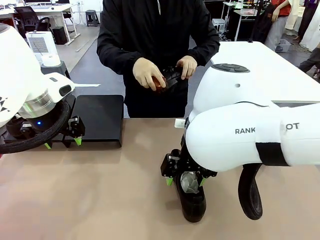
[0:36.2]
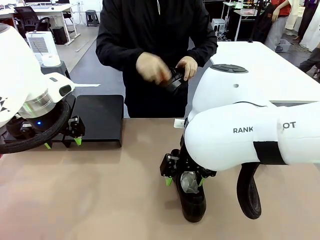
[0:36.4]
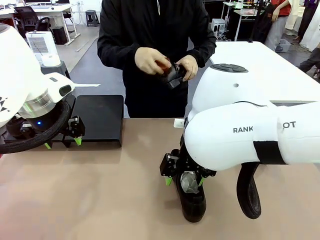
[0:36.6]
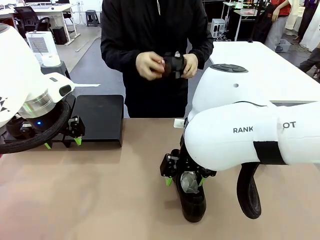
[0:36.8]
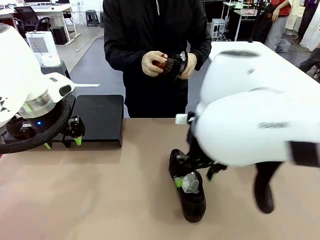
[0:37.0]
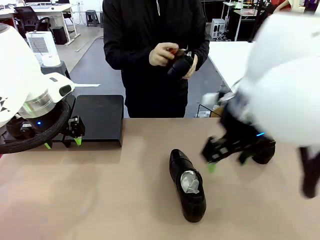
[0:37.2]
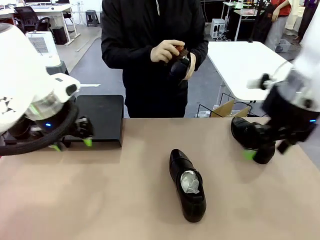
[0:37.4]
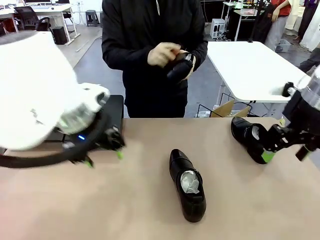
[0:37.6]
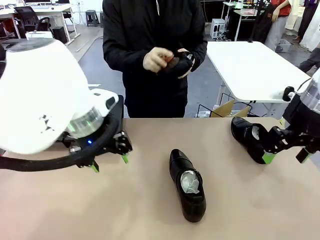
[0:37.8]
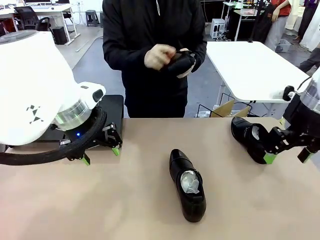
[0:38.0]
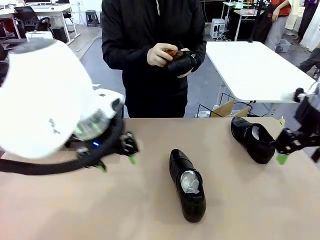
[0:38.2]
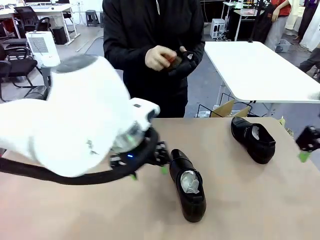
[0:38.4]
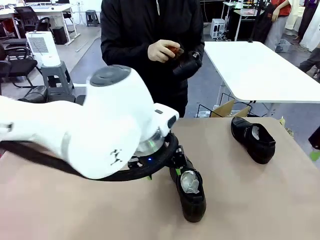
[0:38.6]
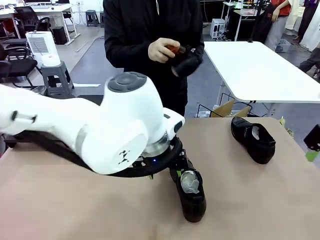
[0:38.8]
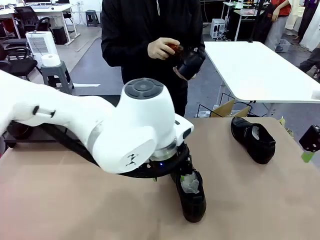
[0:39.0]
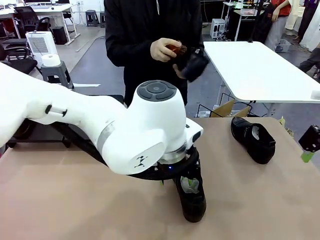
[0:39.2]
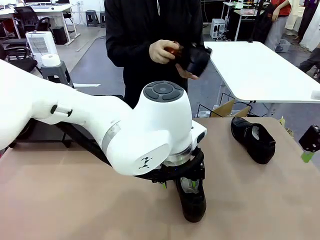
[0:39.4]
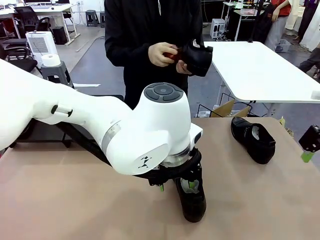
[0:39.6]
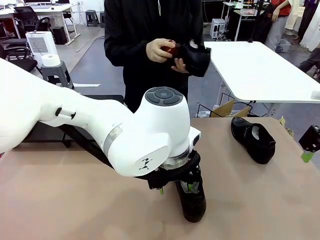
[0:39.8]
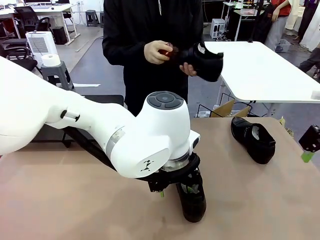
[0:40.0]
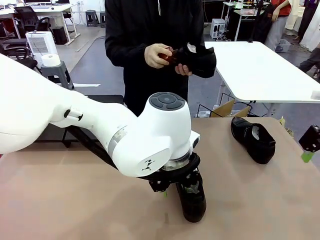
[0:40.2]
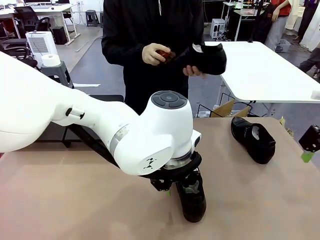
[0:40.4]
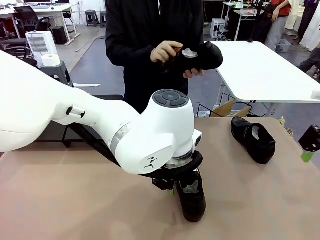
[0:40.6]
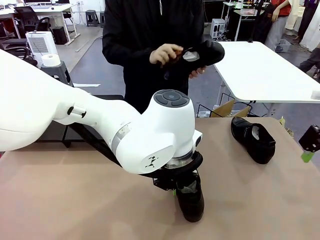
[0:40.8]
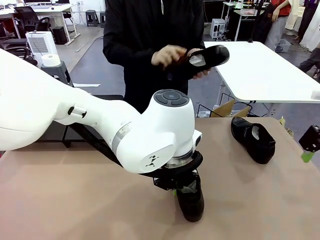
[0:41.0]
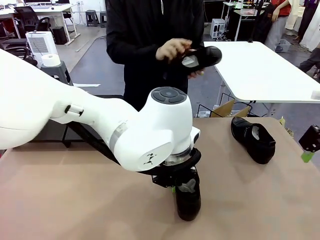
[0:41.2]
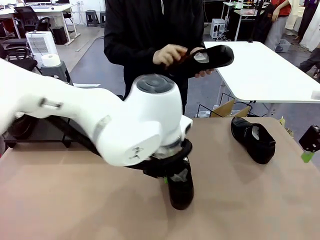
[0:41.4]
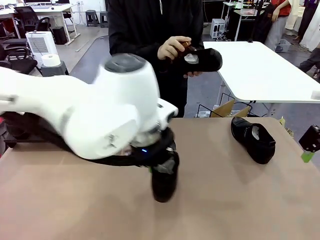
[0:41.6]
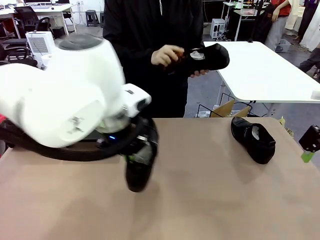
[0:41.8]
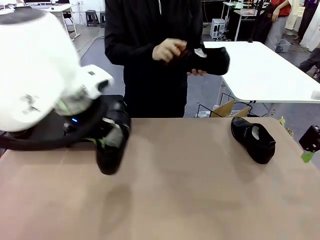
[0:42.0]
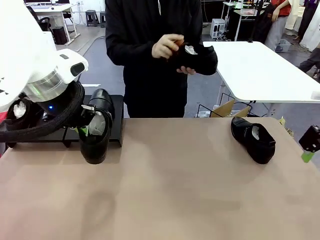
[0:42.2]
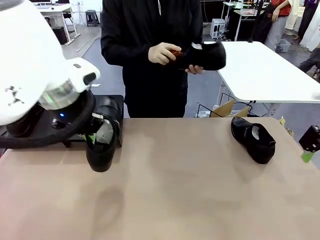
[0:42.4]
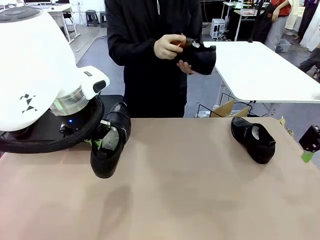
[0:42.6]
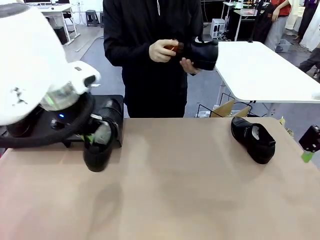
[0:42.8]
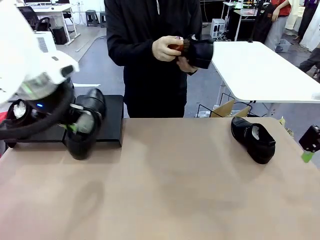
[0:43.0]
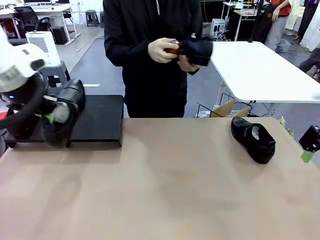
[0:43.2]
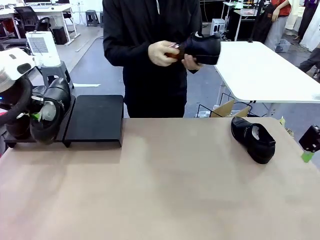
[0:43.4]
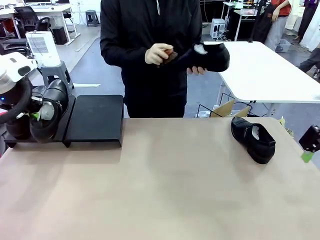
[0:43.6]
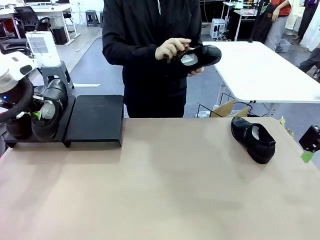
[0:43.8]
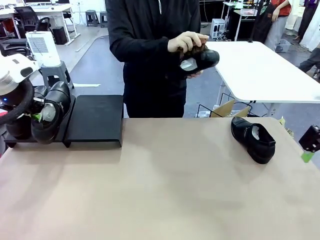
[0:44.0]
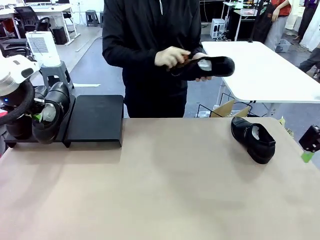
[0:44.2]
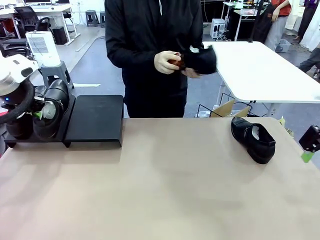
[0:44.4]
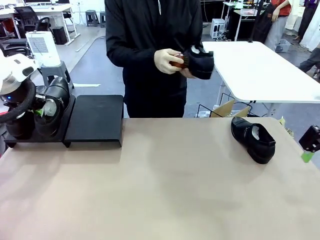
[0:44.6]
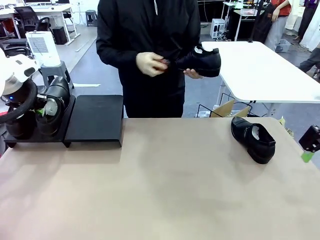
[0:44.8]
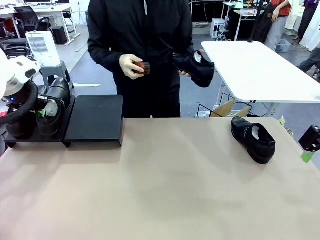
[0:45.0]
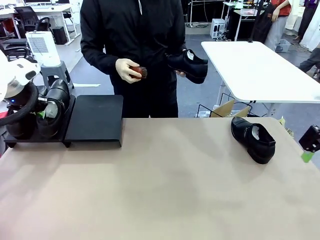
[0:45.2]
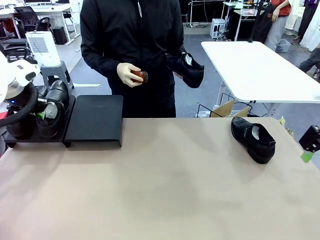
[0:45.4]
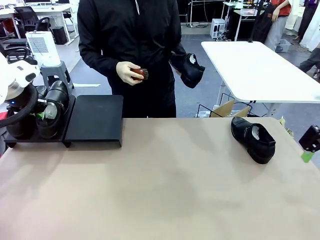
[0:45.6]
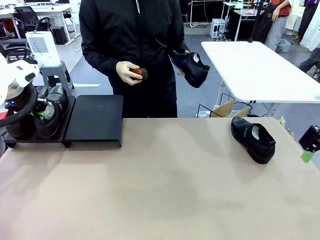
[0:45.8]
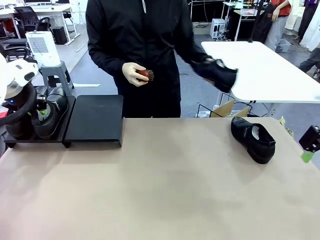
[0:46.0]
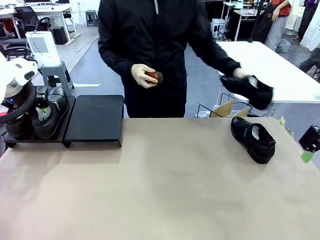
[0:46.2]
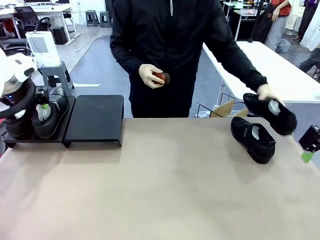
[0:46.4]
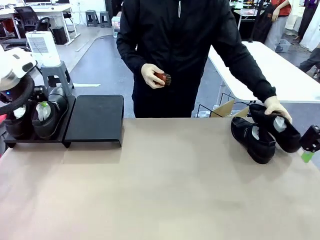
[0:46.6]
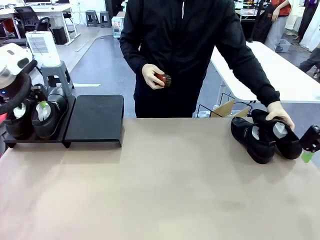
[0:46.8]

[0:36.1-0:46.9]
Task: Organize the shoes by placing them on the stand.
Robot: Place the Shoe from the middle of the table onto the Shoes Stand.
Person: Clean the Shoe with the Shoe Brush.

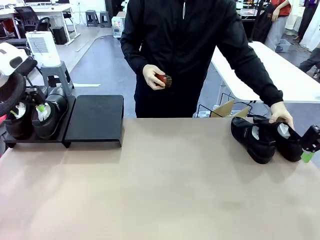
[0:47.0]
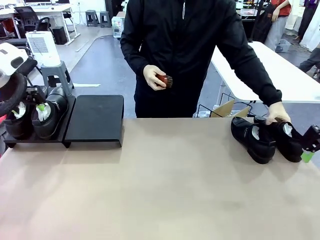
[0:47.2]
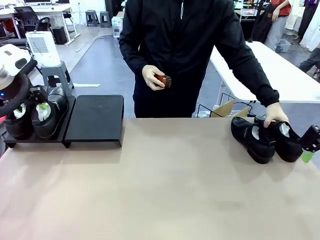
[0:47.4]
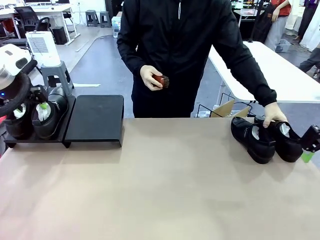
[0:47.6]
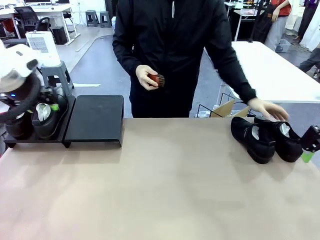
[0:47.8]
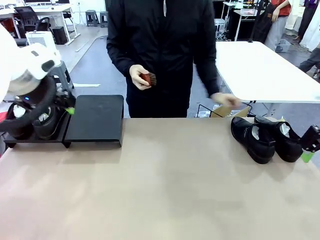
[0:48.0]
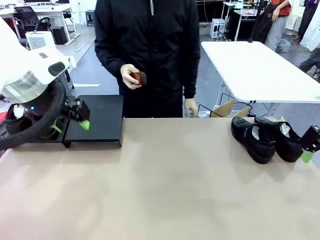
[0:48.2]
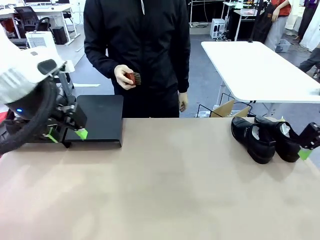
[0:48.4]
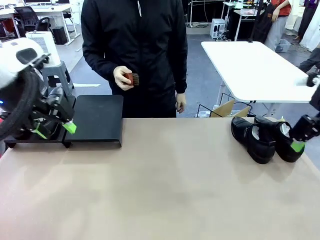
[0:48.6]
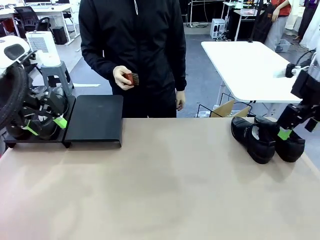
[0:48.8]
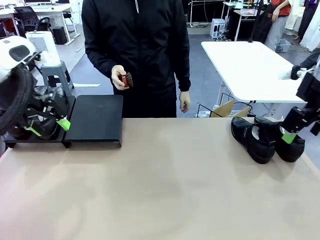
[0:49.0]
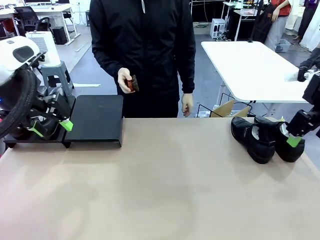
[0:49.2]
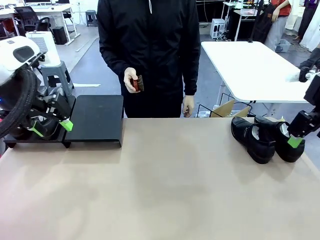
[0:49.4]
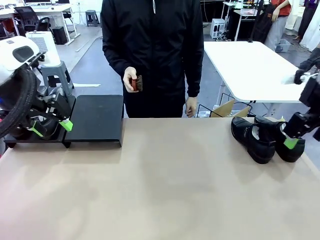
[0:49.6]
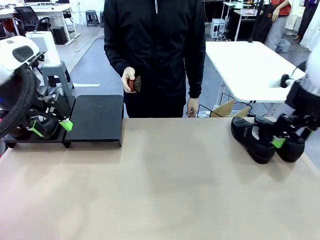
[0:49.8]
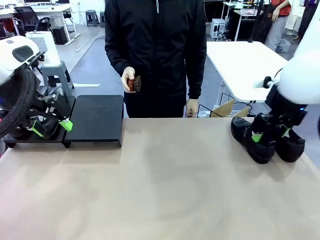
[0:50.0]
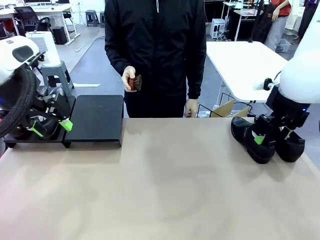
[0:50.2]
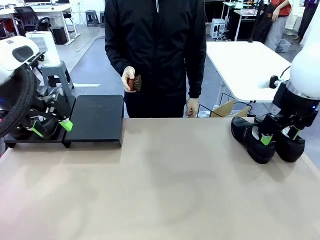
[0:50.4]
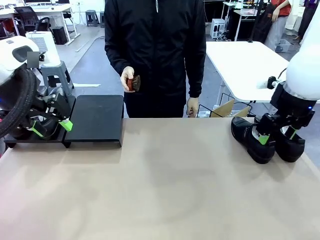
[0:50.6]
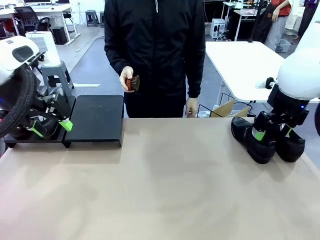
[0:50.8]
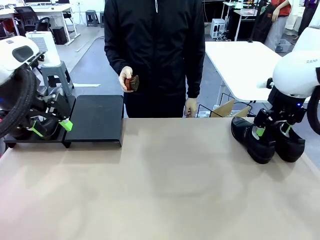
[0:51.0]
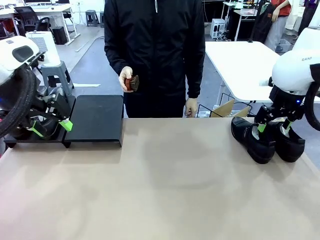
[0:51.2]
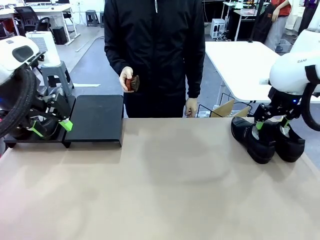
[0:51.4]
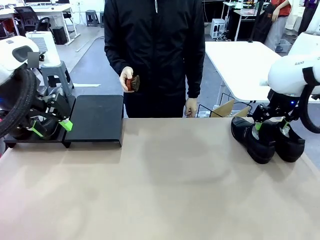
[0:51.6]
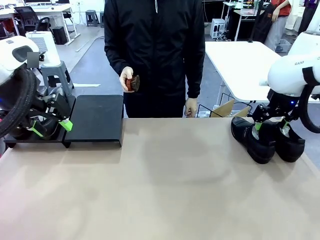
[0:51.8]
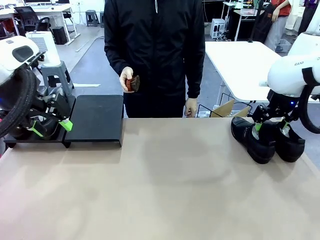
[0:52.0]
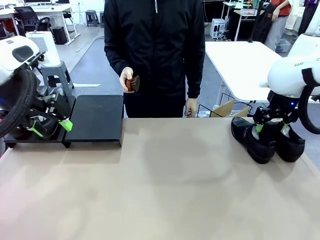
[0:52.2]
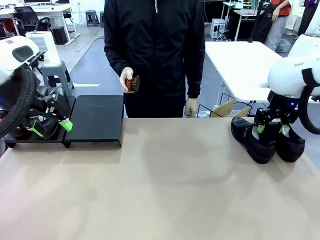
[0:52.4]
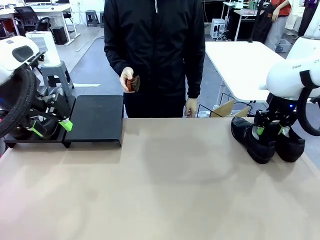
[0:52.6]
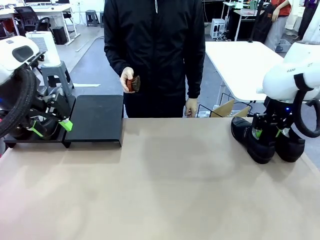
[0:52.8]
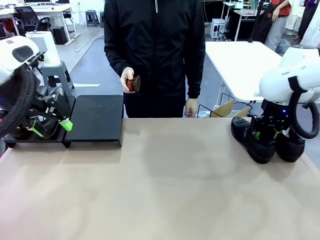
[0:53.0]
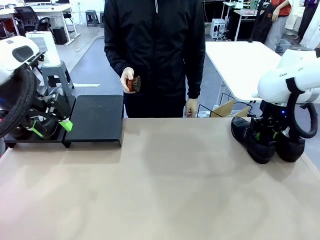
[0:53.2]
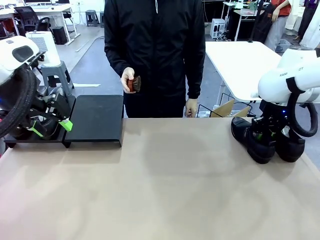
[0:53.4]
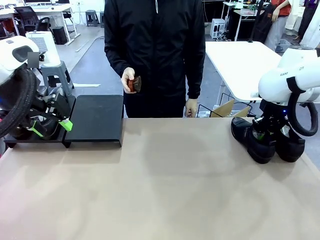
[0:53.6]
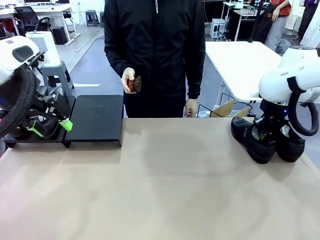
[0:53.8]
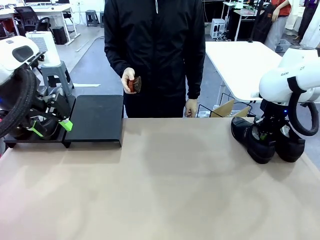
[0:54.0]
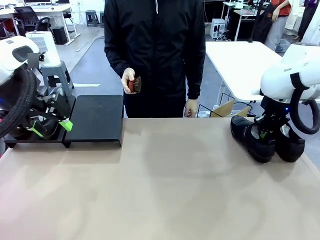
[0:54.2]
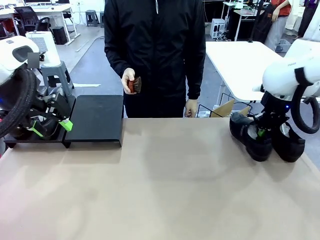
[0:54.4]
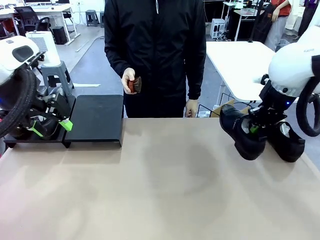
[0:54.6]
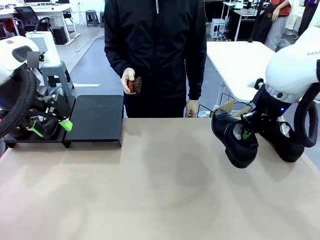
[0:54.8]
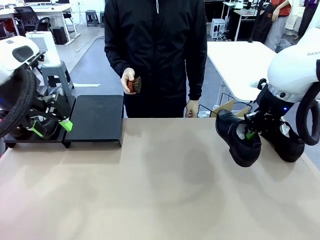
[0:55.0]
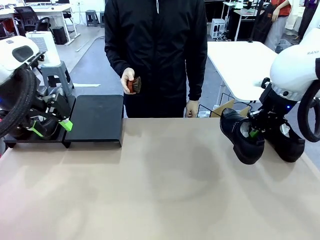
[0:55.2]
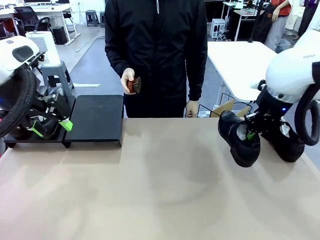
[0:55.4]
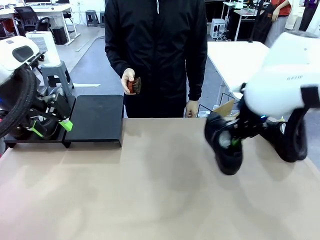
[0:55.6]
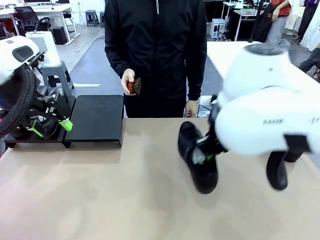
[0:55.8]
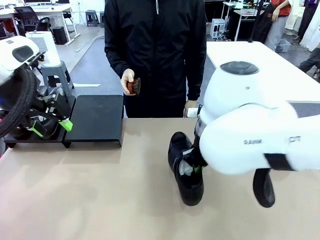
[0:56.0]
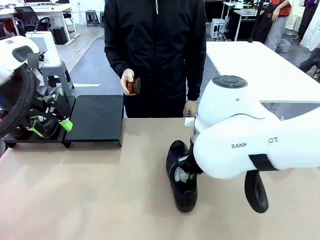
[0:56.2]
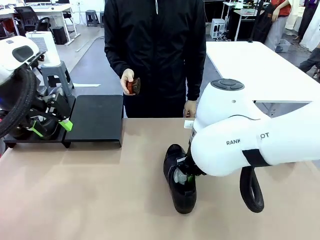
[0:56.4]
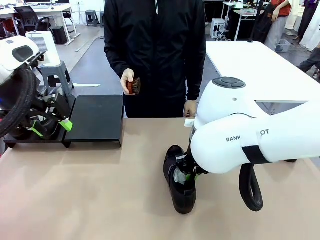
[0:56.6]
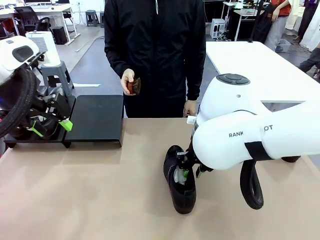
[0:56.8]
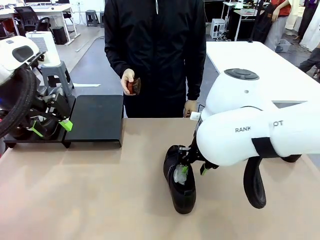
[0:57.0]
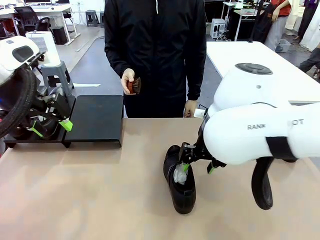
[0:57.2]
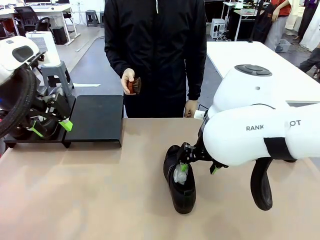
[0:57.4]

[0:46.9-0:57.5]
Robot: Pick up one Shoe and place it in the middle of the table.
